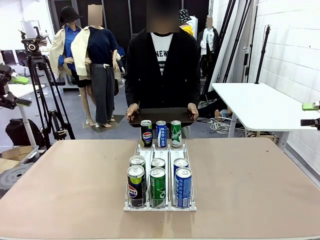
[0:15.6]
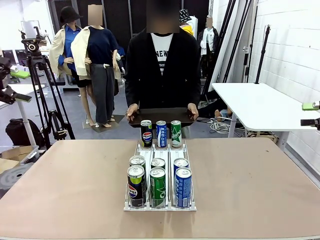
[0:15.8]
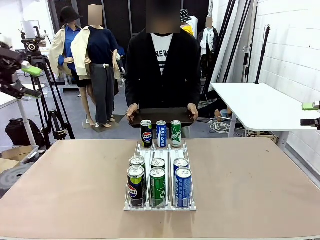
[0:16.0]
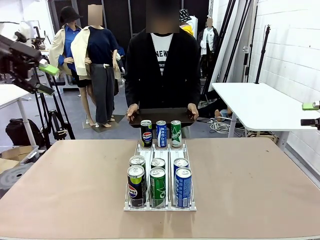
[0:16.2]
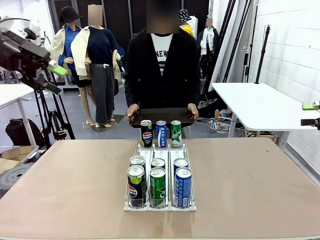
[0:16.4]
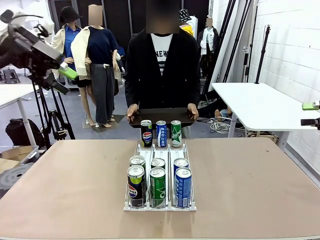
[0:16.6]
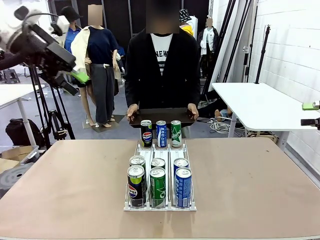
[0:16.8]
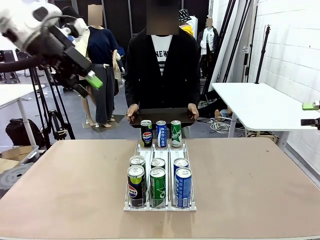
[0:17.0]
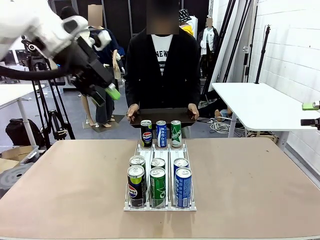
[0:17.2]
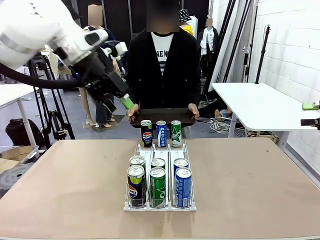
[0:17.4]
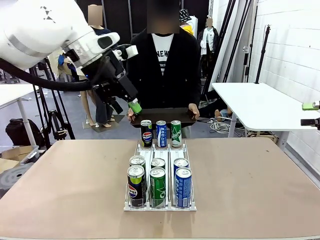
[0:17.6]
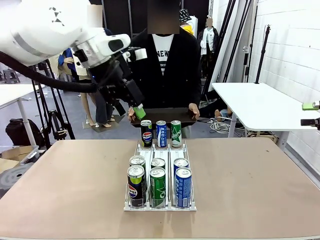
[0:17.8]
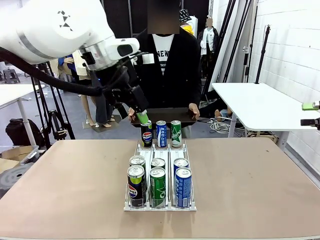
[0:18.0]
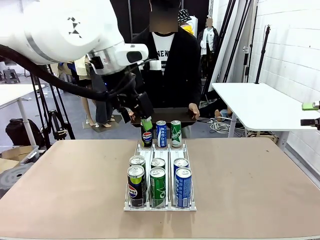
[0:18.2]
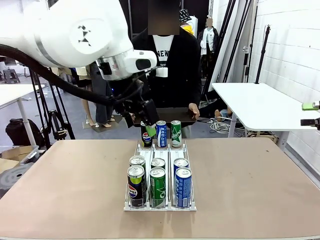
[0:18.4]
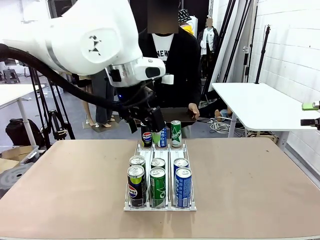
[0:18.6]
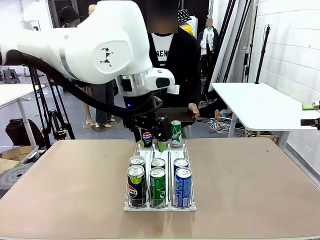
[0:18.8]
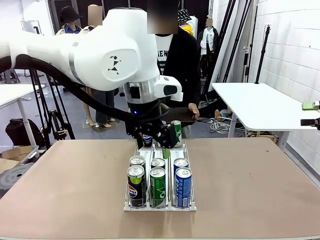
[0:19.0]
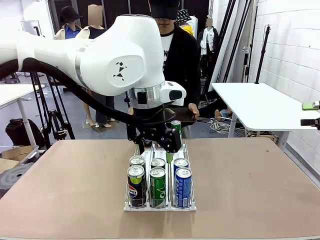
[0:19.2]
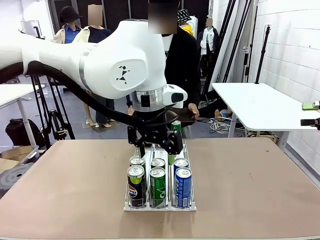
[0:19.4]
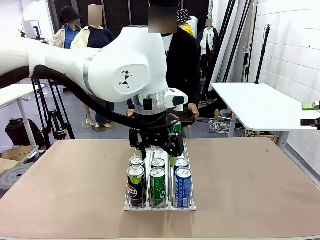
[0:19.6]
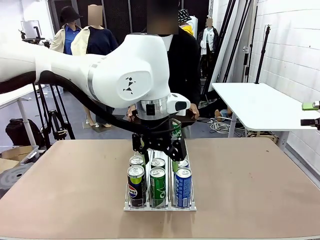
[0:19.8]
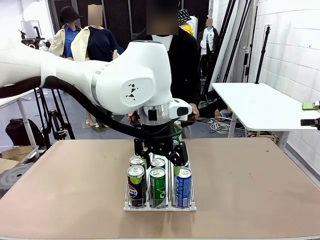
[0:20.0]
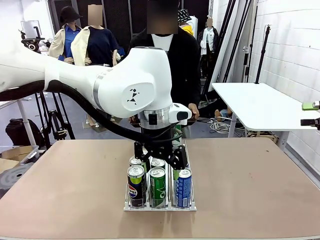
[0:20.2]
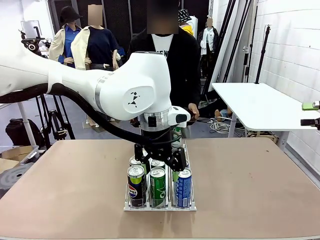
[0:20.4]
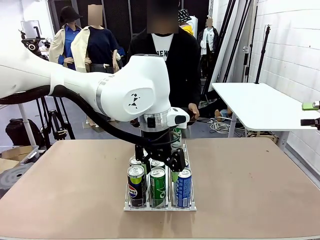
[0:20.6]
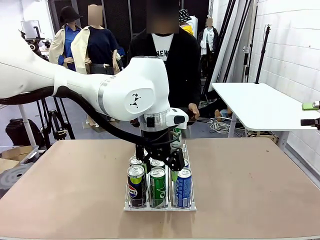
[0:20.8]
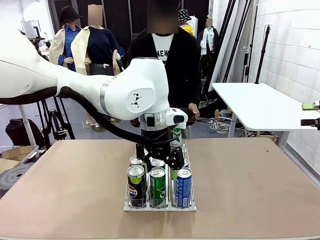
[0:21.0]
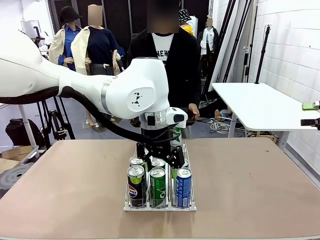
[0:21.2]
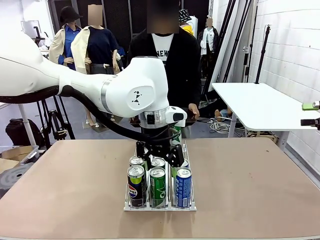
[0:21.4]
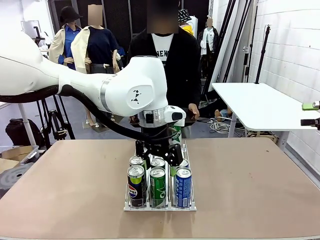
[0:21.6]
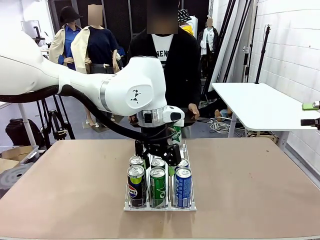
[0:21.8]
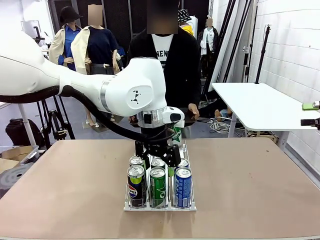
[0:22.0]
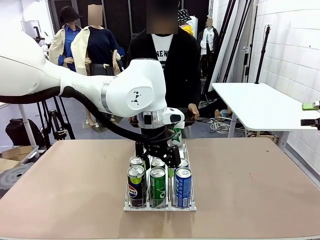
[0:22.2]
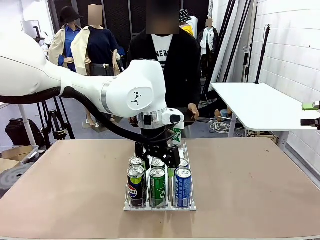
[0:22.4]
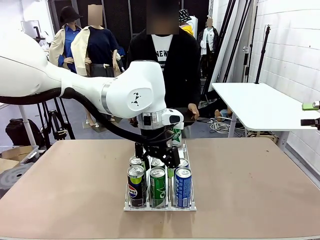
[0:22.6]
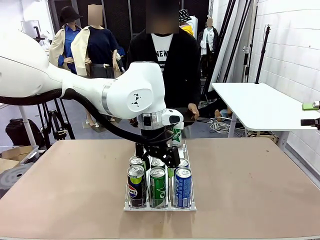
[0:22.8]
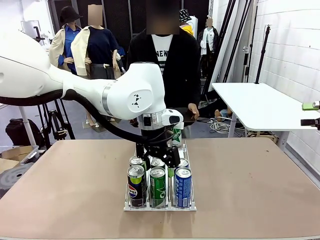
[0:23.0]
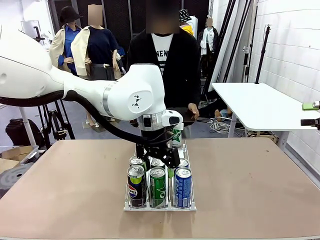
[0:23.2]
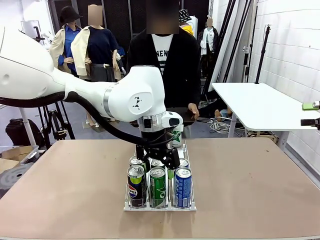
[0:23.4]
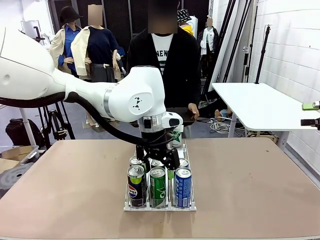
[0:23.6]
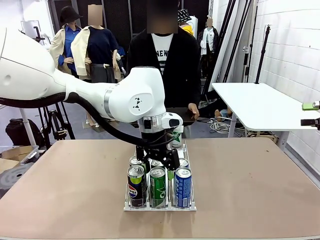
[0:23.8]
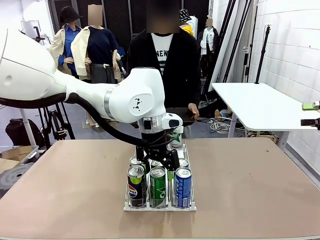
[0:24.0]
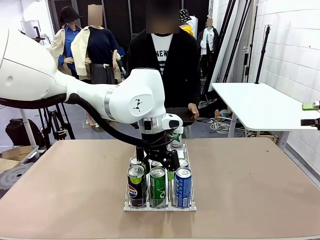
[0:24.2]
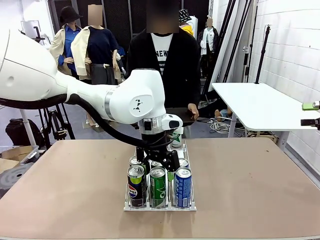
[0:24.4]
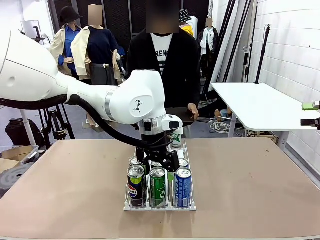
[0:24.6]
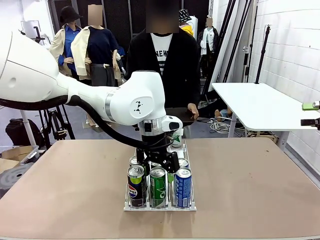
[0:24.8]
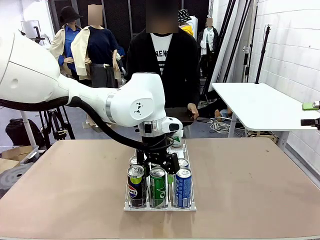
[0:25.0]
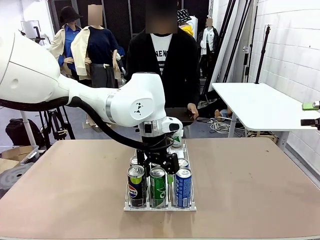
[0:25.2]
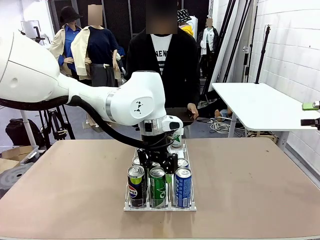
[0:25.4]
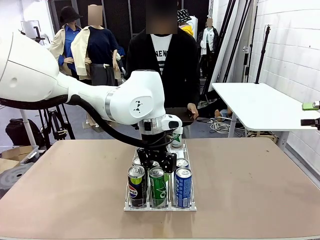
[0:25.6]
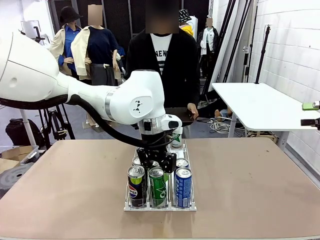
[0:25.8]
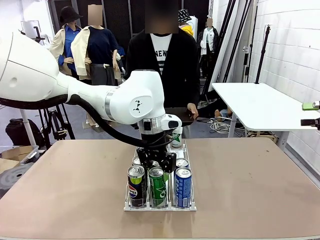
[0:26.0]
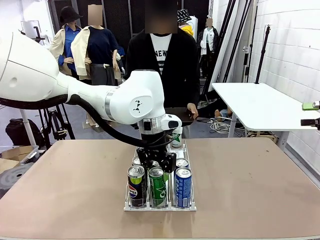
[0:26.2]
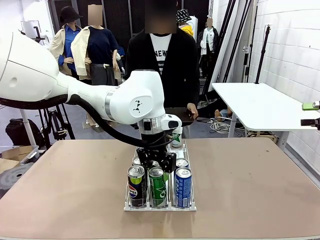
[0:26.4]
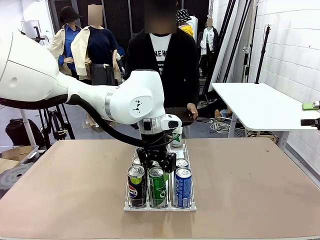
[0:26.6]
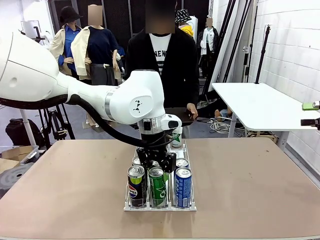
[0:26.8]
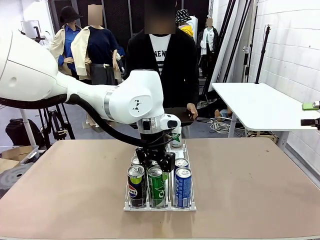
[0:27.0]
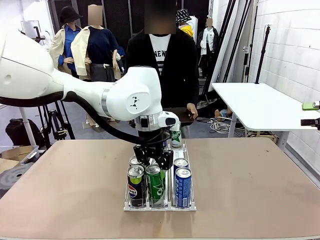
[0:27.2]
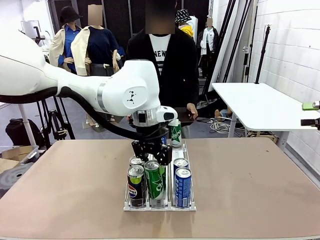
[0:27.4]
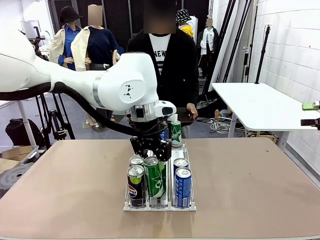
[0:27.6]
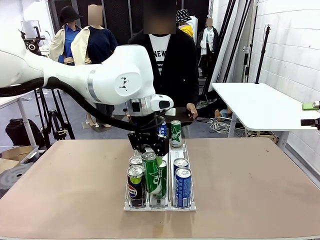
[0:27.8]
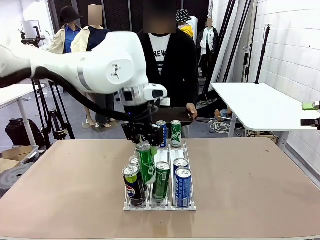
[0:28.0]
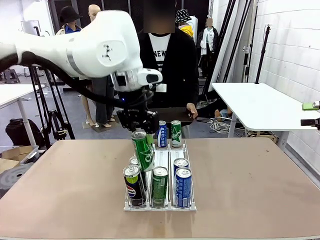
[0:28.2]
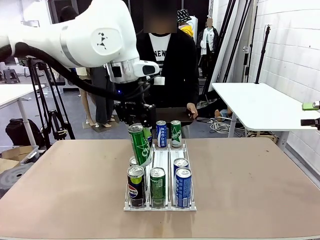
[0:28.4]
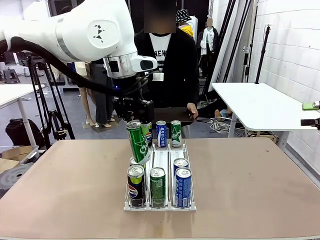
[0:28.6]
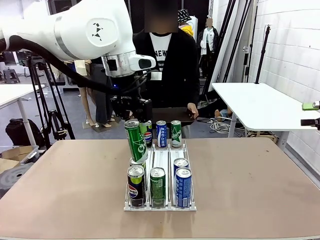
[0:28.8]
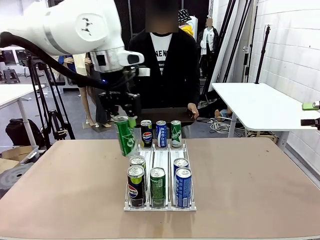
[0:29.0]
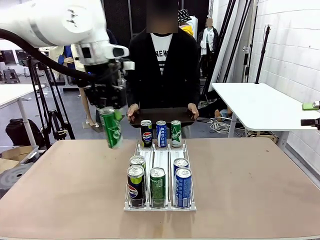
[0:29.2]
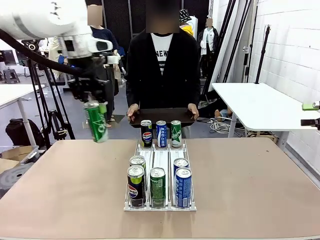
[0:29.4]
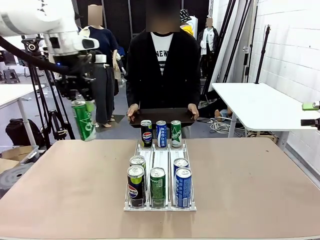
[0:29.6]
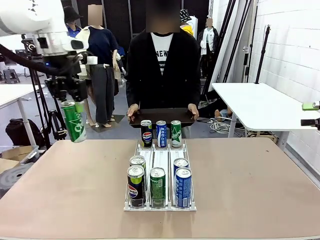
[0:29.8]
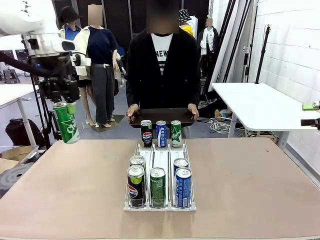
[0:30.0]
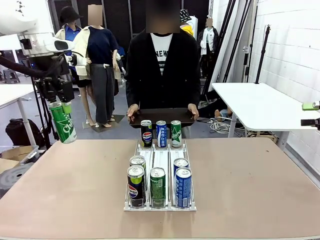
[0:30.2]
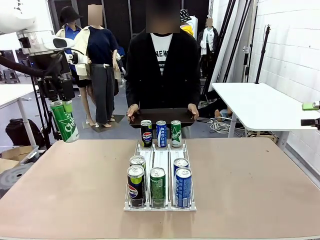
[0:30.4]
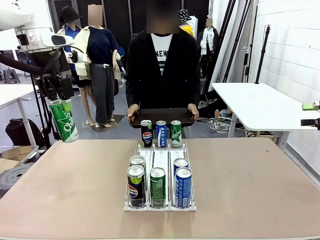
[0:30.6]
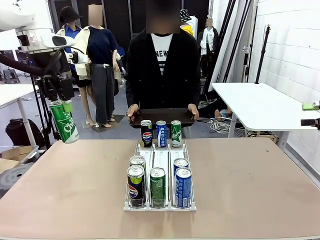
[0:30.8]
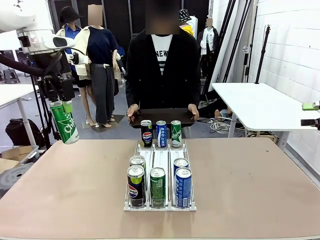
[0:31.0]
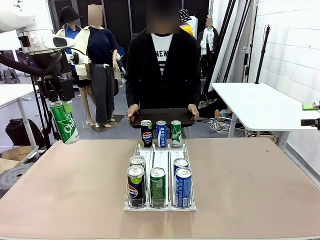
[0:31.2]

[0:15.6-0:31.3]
Task: Retrieve and hand over the desired beverage to the person.
Robot: Pick up a can of the same type that the person held from the Automatic Can Dispenser.
Person: Push the tray toward the robot.

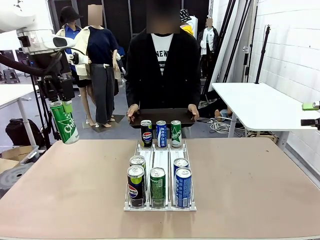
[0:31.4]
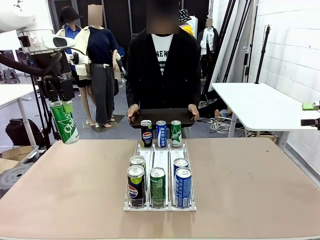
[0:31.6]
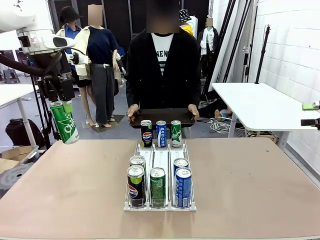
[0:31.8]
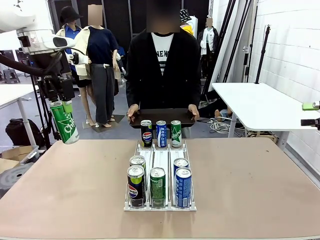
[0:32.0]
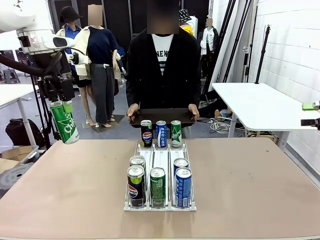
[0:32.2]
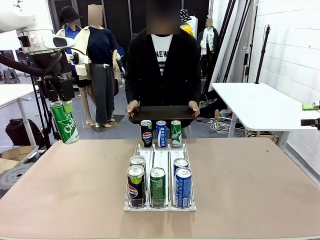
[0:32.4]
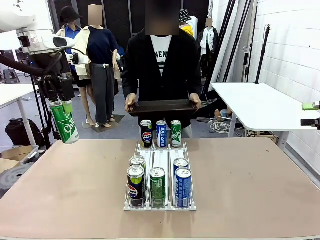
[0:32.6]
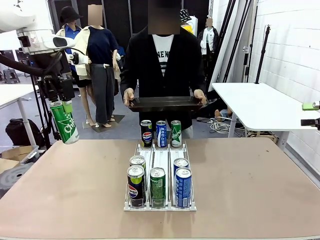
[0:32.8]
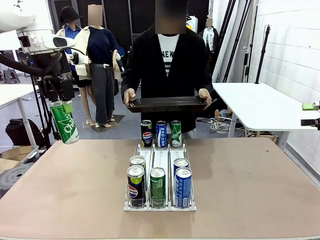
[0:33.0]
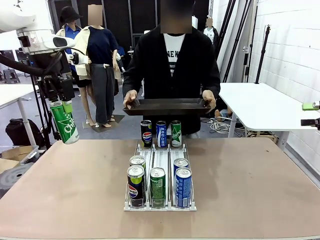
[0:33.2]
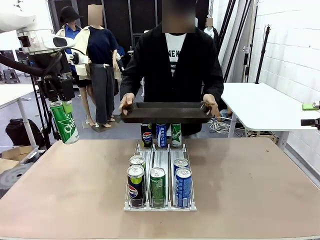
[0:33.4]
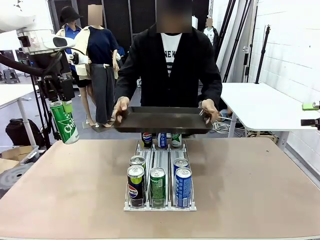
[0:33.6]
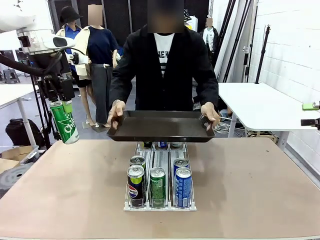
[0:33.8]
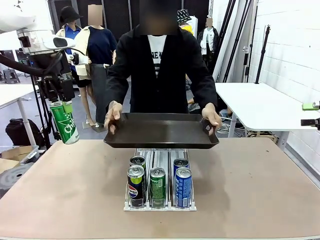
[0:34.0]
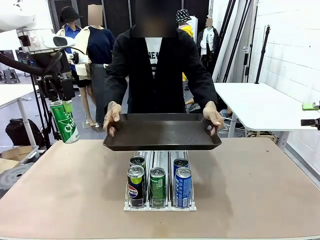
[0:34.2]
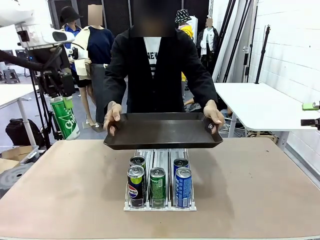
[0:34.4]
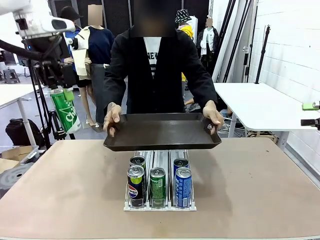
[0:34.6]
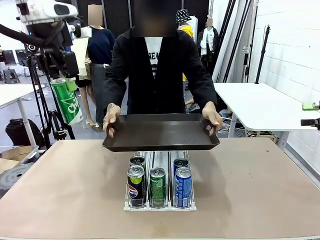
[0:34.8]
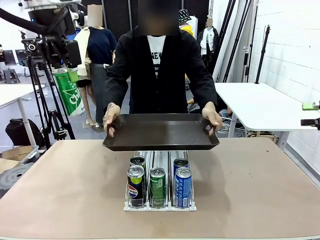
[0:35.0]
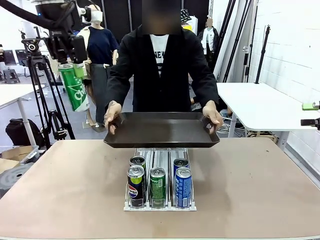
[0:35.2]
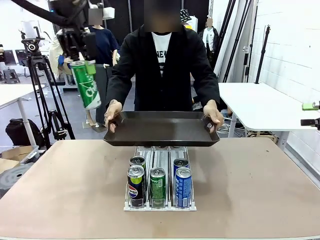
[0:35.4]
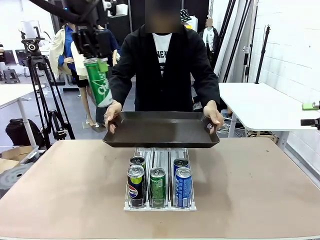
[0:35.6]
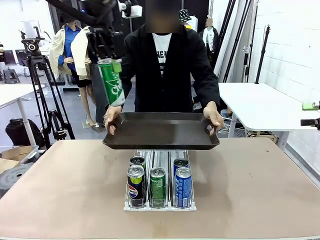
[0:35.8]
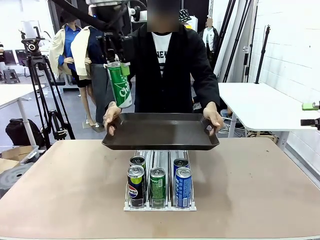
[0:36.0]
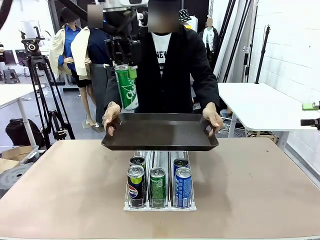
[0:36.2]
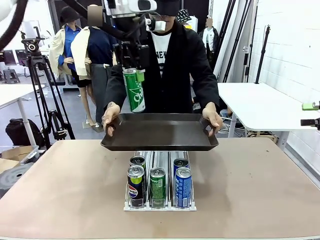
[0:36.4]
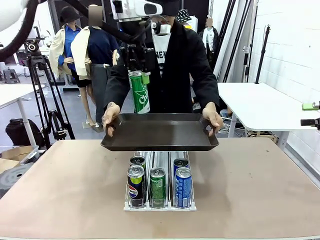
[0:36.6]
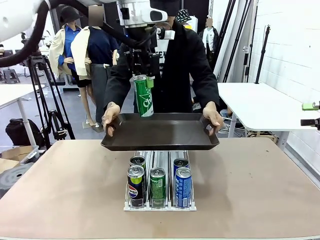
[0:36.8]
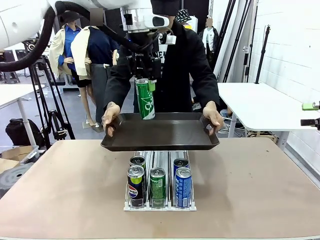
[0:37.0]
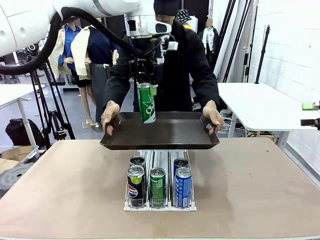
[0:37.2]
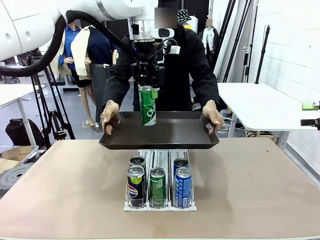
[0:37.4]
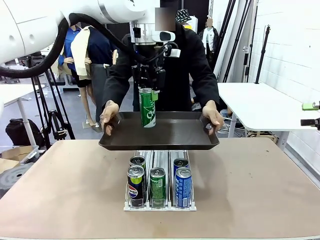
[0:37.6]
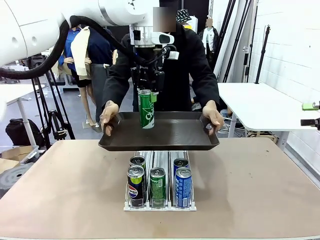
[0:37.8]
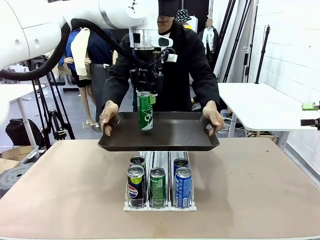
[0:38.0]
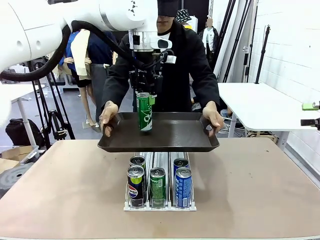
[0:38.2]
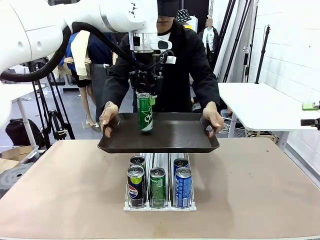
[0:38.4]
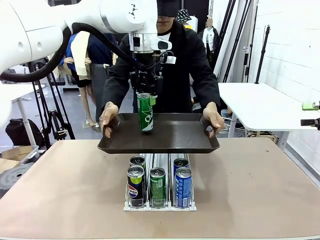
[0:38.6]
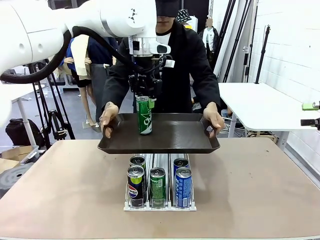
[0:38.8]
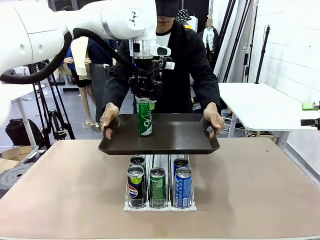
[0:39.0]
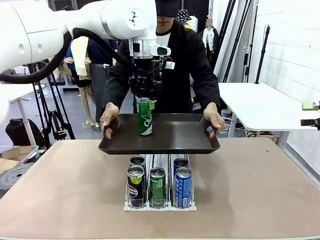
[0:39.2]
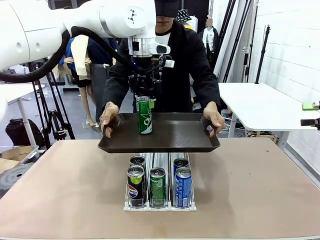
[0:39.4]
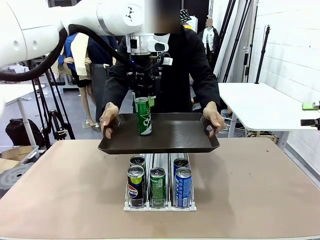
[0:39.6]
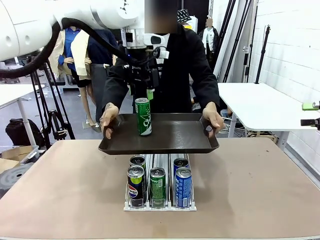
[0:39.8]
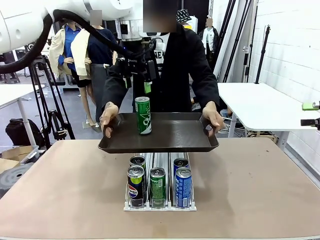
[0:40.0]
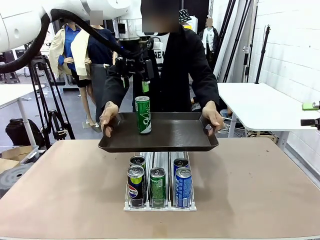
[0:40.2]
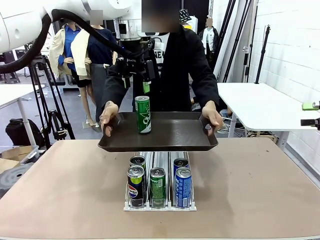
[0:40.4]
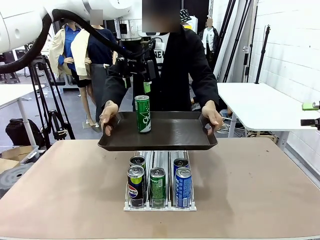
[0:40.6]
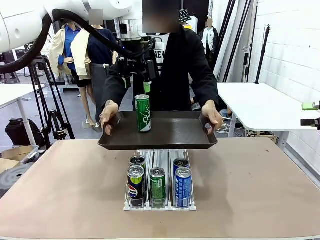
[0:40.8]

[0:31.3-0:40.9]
Robot: Place the picked can on the Handle tray extended by the person.
